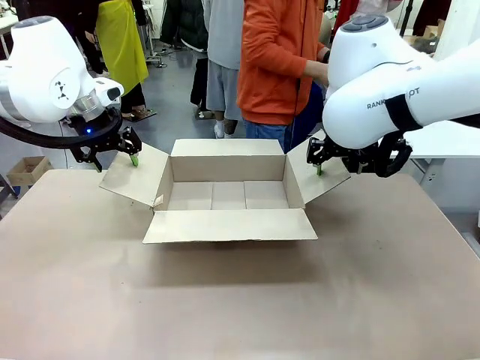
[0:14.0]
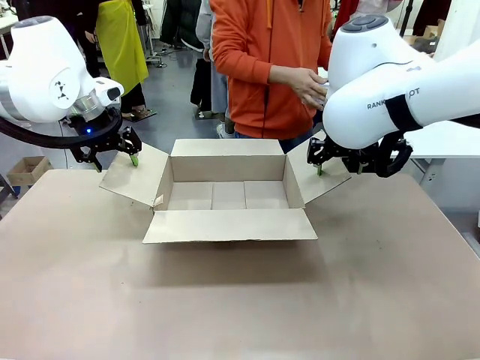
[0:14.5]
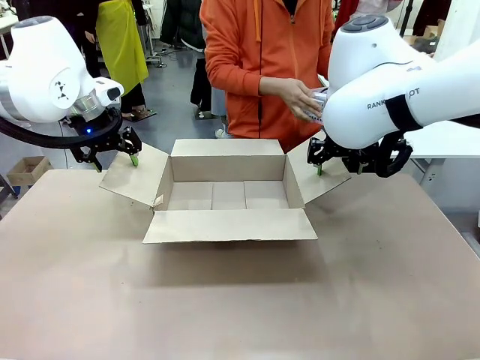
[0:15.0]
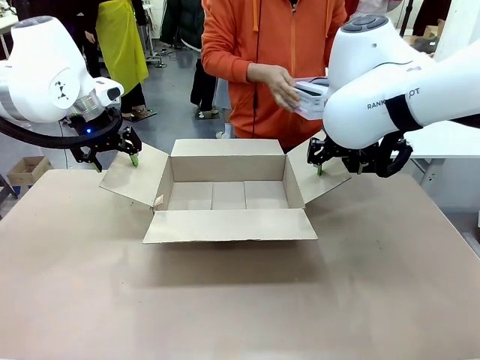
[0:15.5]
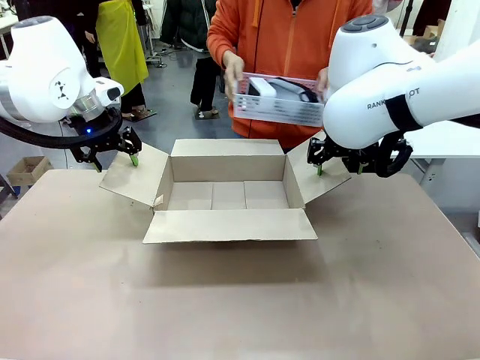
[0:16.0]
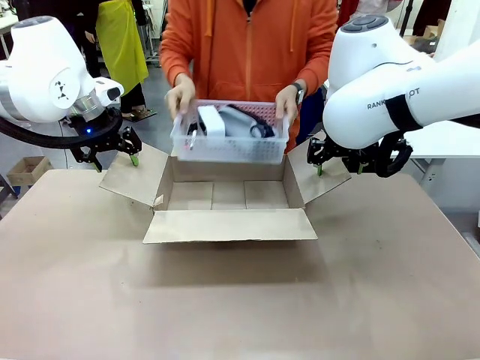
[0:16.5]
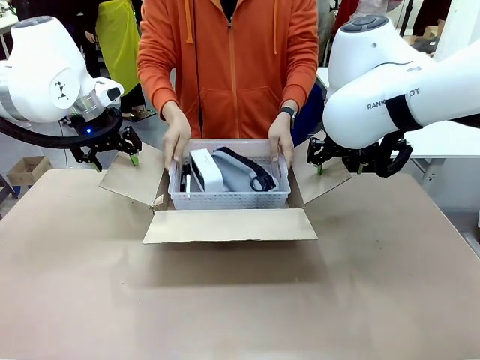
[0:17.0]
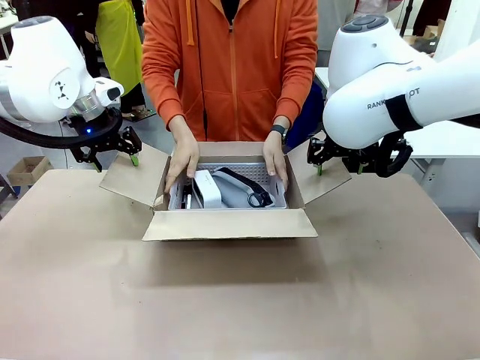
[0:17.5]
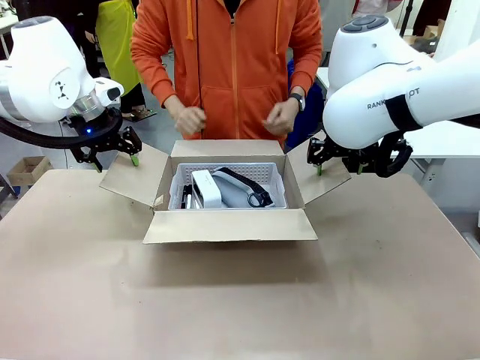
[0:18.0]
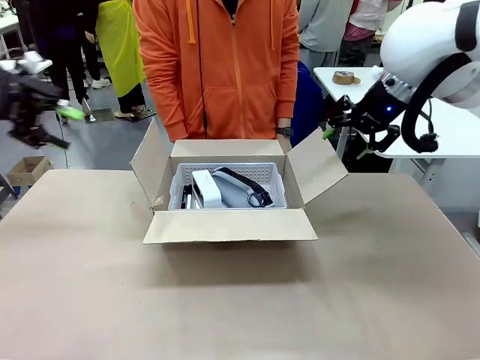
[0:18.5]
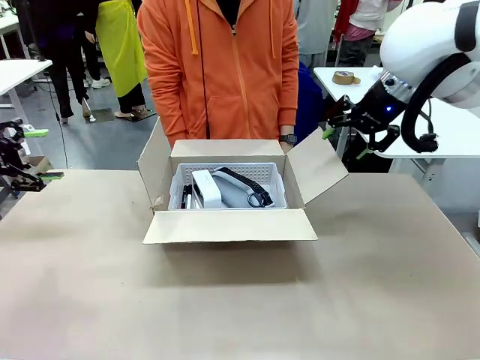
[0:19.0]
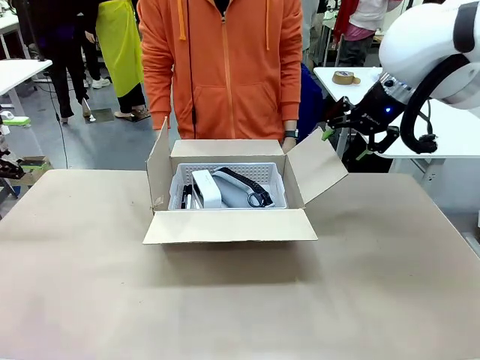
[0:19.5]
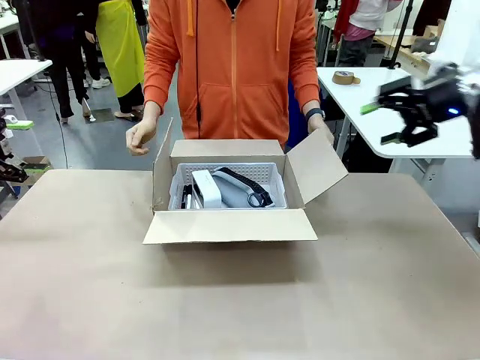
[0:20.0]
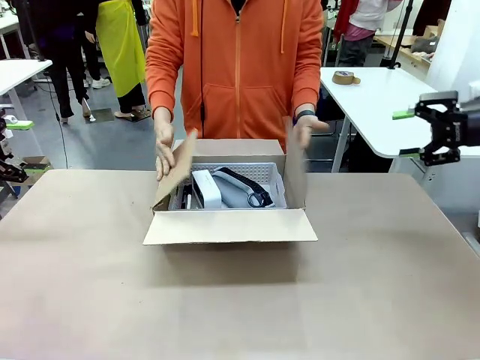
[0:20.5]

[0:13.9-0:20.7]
Task: Pack the gift set into the box.
Robot: Lift both hands away from the flaps of the Package Box.
Person: The human picks up the organizing basket and places the organizing basket into the package box on the robot table.

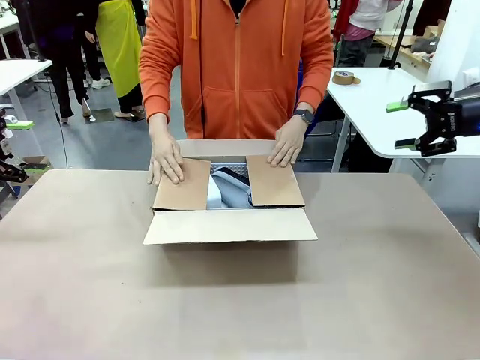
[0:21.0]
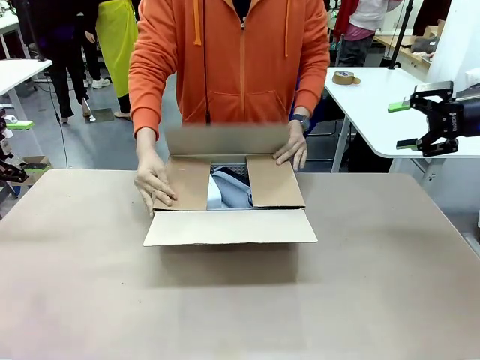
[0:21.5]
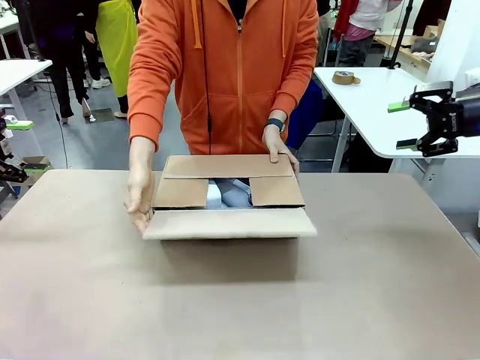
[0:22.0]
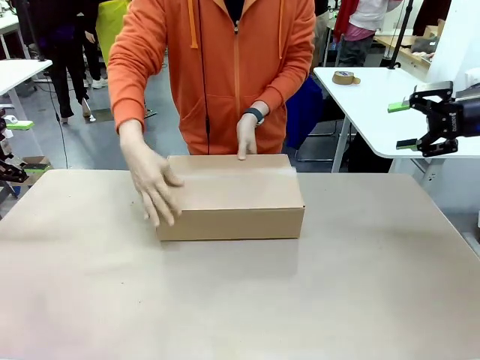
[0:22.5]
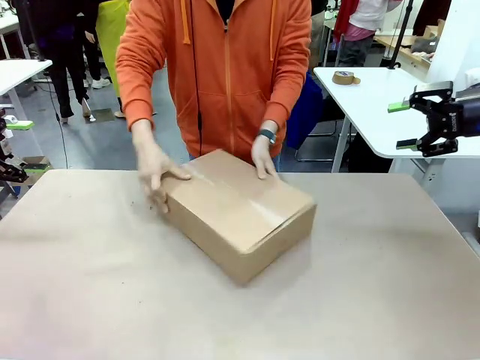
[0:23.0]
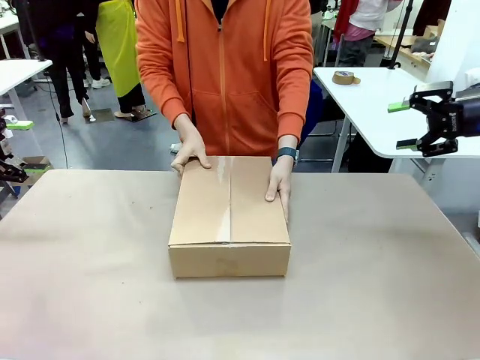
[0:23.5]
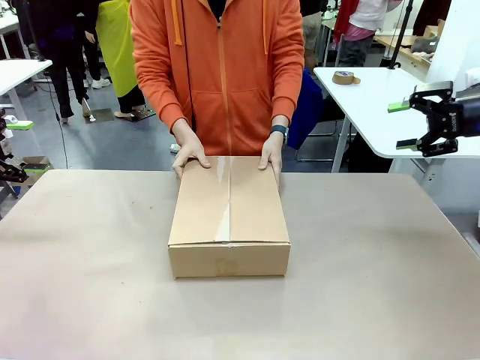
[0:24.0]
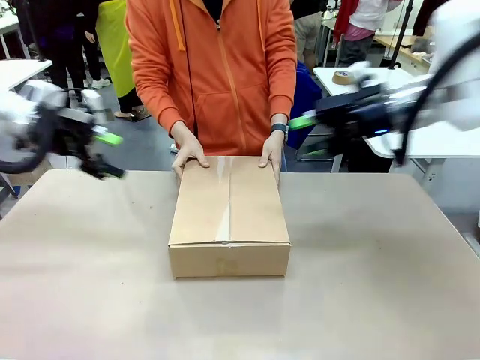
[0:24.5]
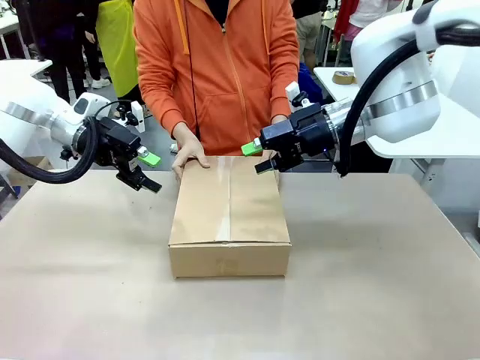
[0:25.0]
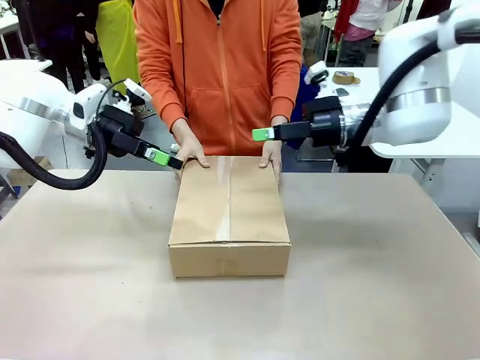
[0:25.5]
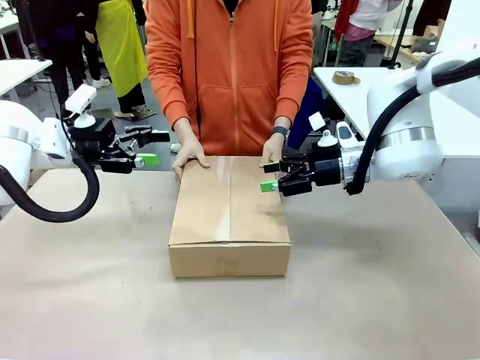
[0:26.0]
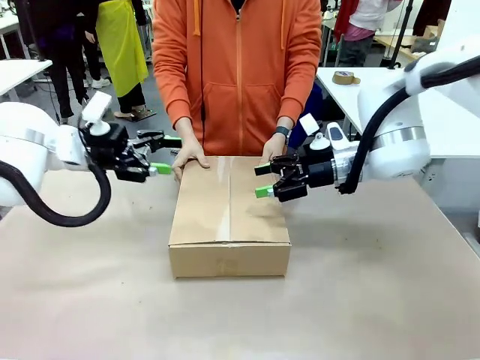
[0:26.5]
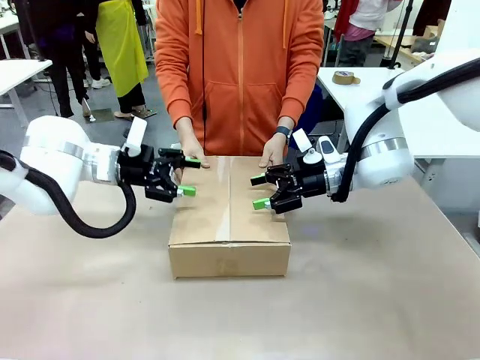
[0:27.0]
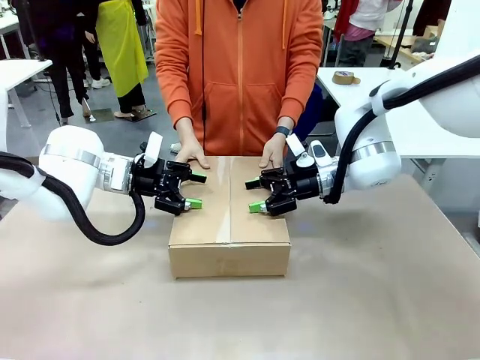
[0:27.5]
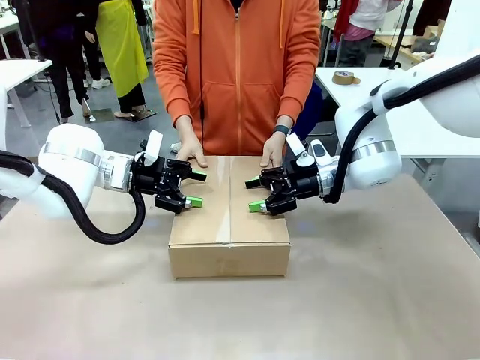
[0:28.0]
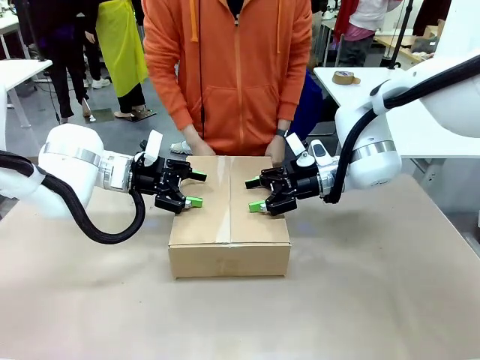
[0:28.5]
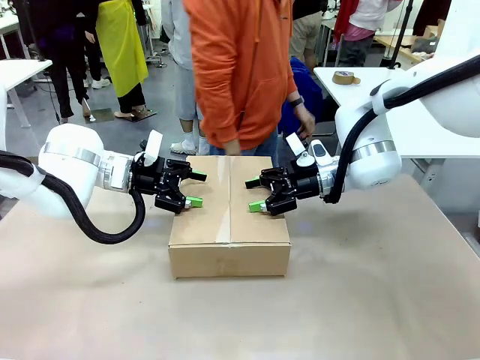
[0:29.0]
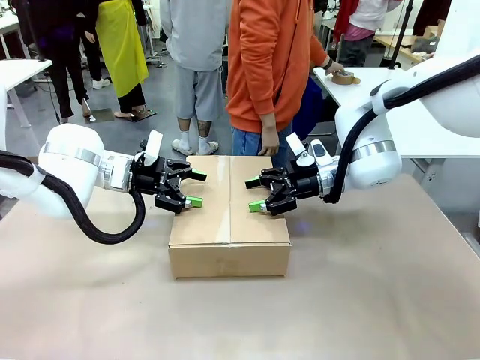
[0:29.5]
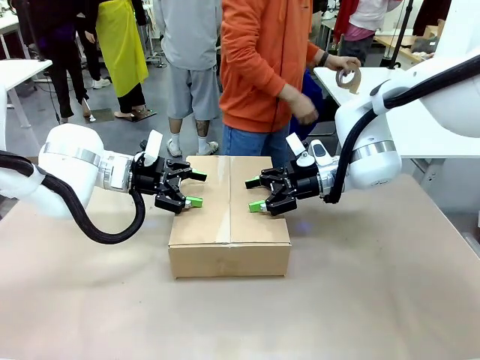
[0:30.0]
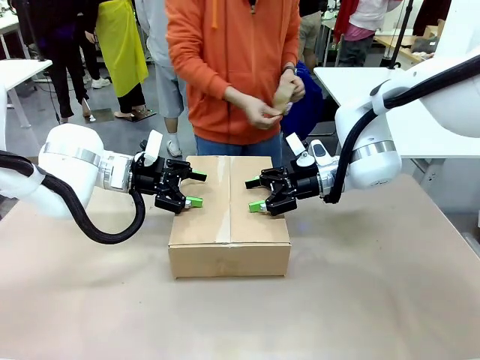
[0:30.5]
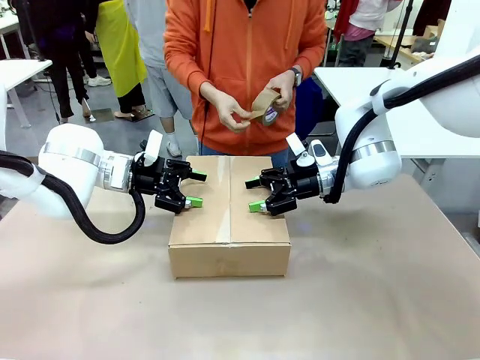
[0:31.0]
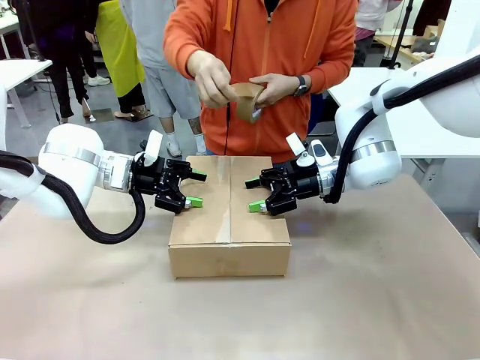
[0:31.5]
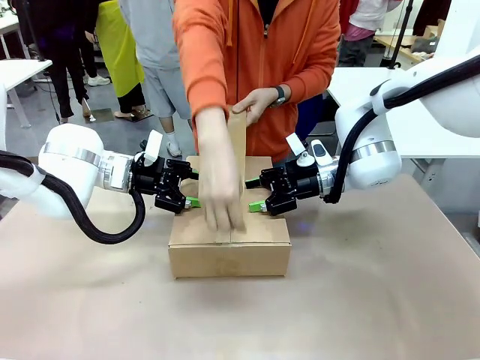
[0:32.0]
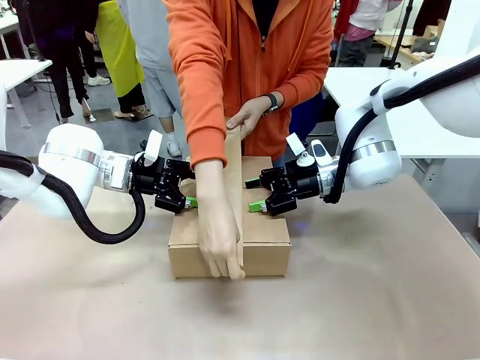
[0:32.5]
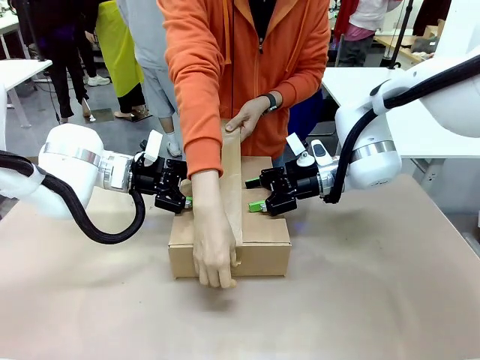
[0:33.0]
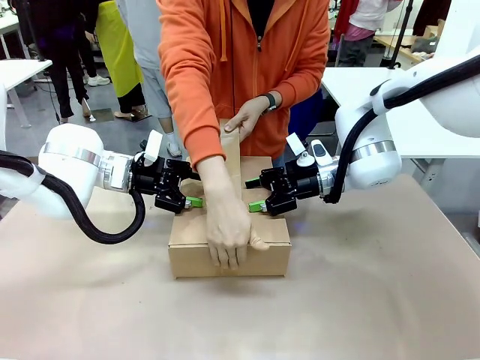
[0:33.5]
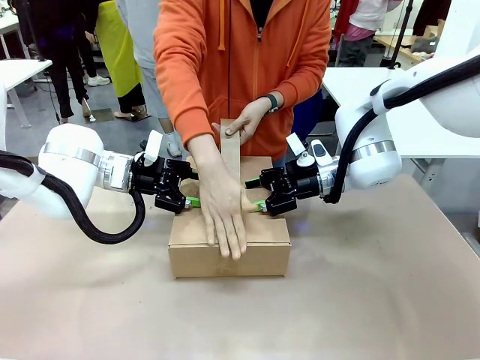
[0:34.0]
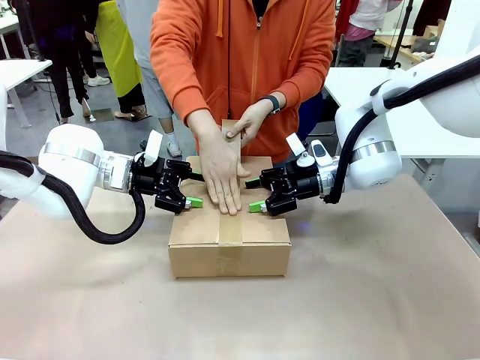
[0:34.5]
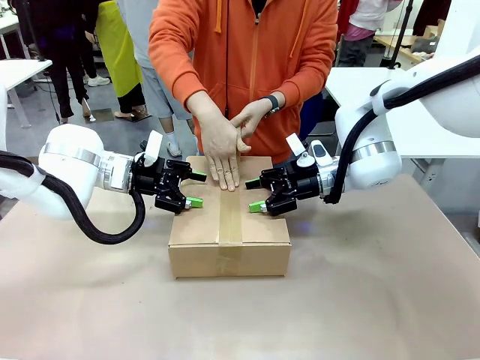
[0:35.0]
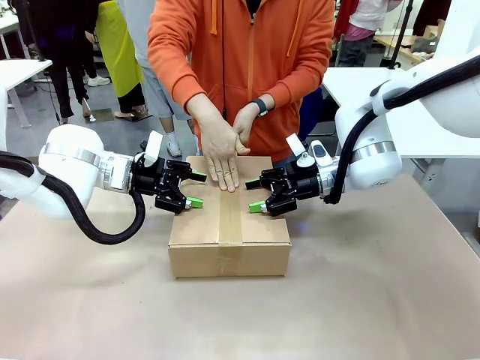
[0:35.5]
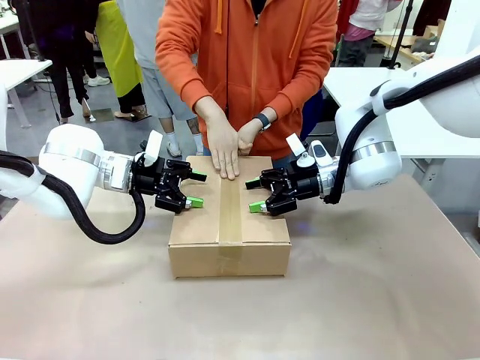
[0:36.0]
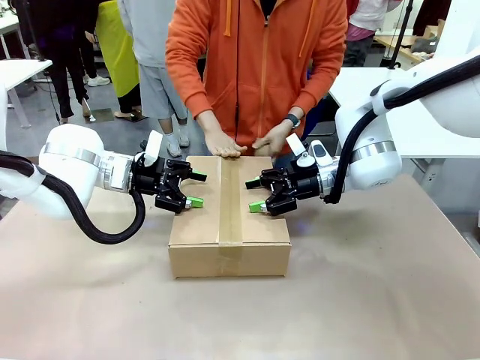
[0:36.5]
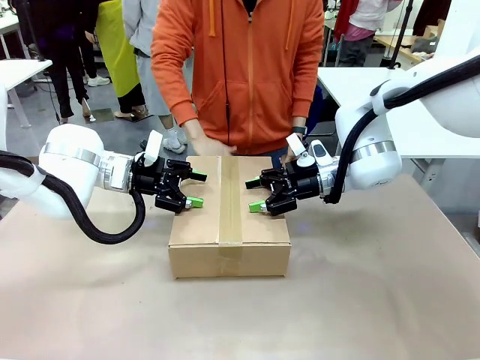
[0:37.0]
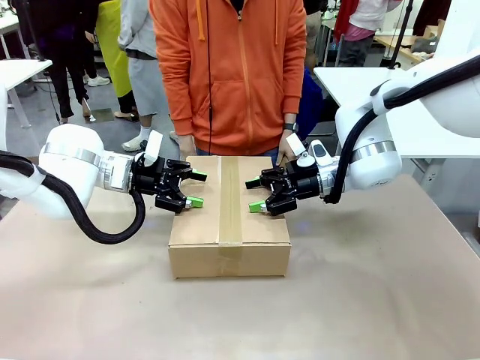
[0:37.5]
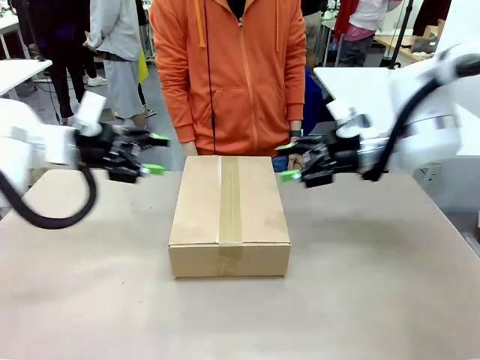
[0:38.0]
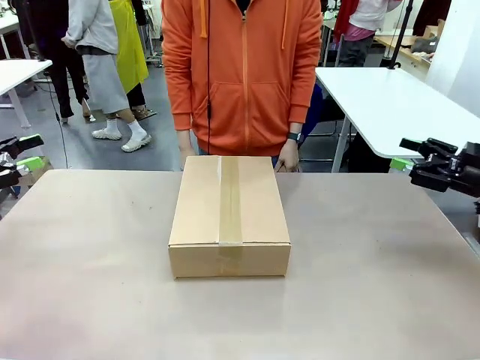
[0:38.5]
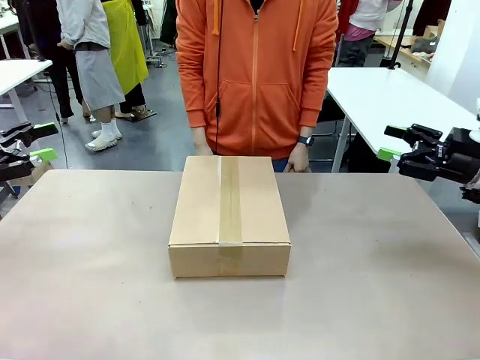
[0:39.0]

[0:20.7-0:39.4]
Robot: Press and hold the closed box until the human finishes sealing it.
Person: The human closes the box and rotates the box by 90 degrees. The human picks up the paper tape from the human table and packs the box.
